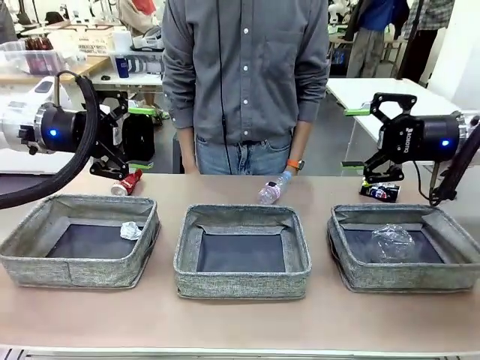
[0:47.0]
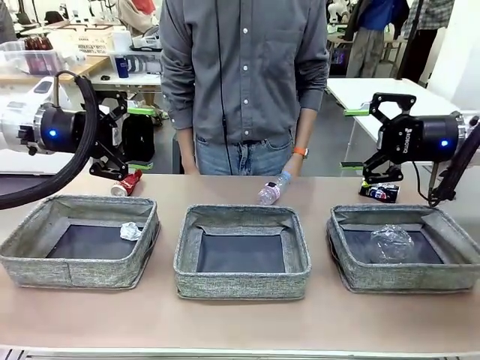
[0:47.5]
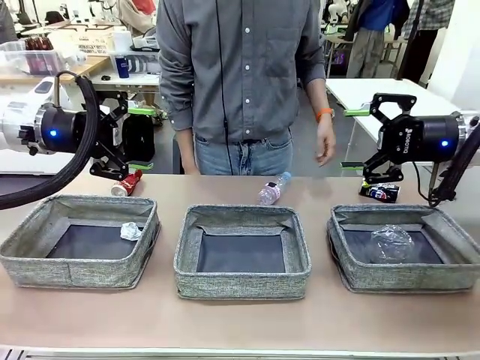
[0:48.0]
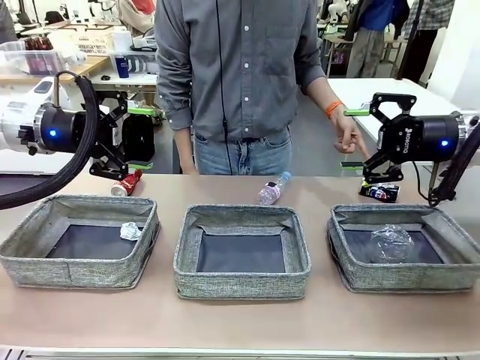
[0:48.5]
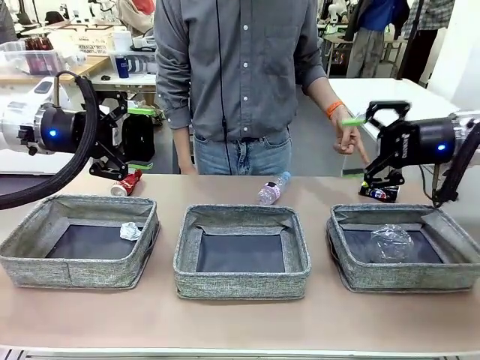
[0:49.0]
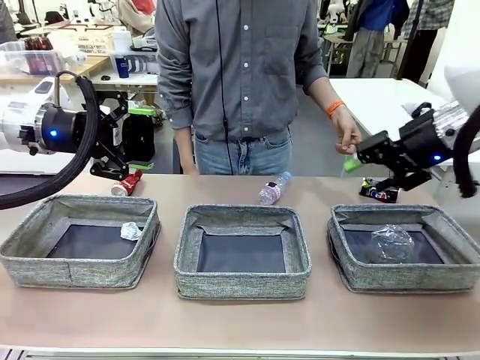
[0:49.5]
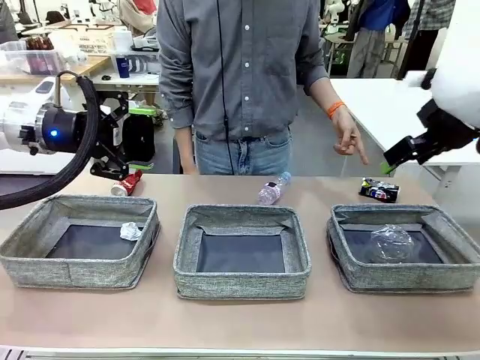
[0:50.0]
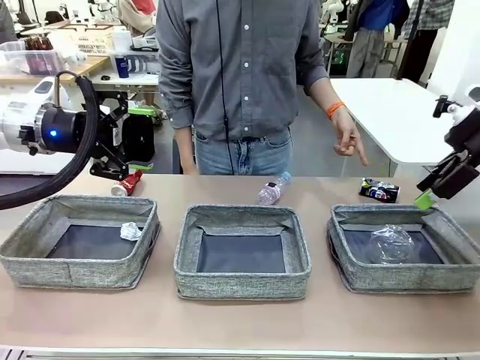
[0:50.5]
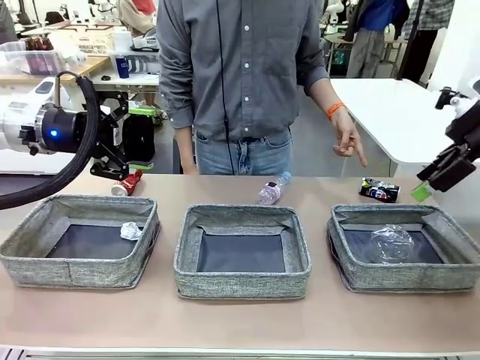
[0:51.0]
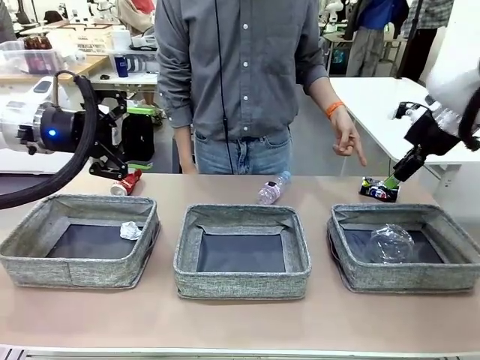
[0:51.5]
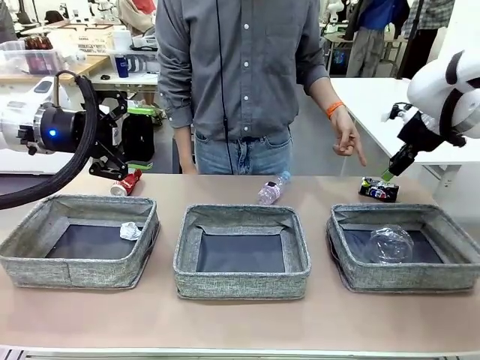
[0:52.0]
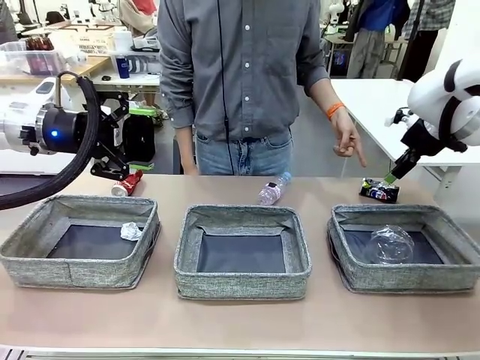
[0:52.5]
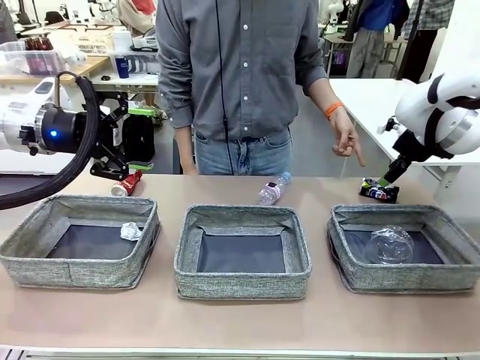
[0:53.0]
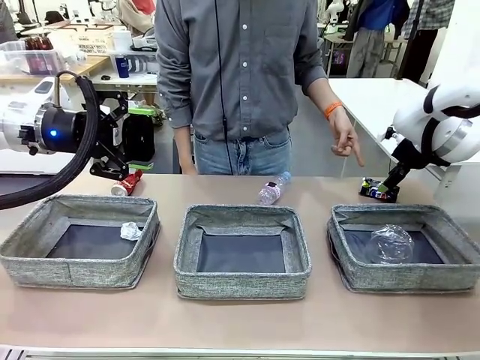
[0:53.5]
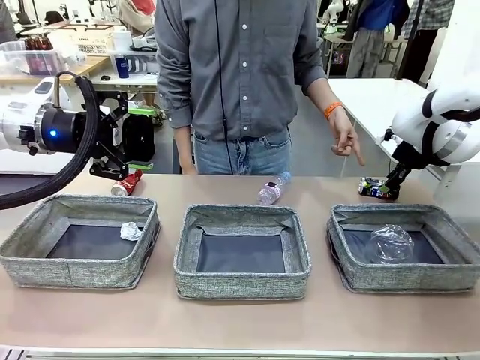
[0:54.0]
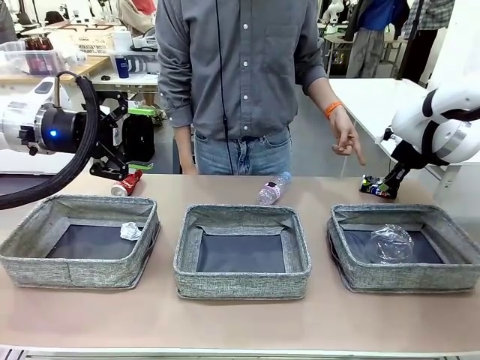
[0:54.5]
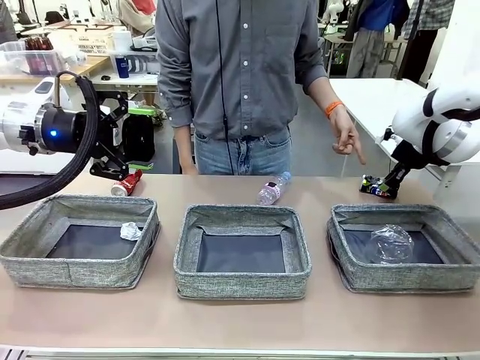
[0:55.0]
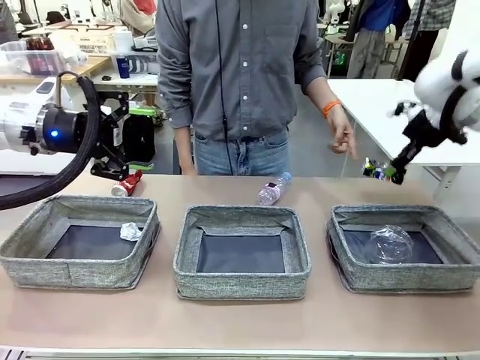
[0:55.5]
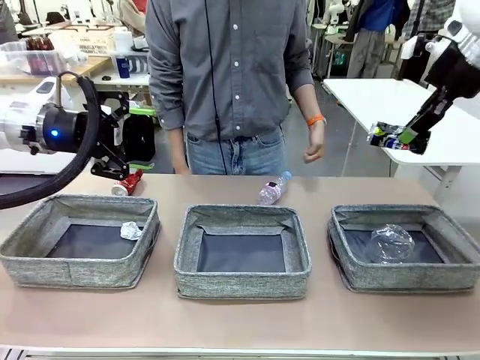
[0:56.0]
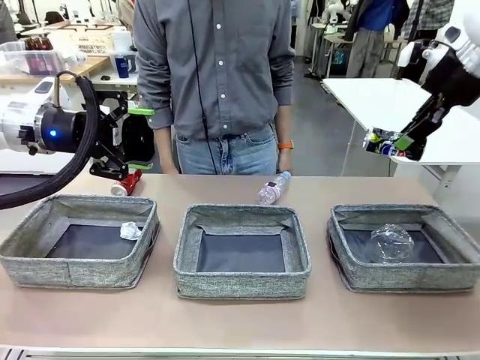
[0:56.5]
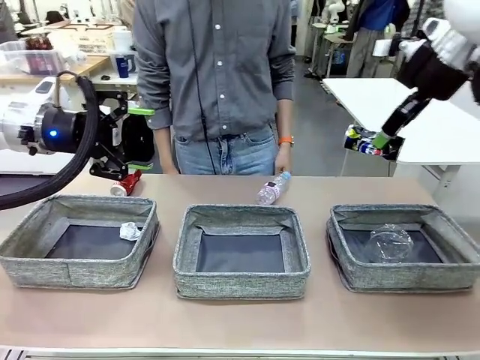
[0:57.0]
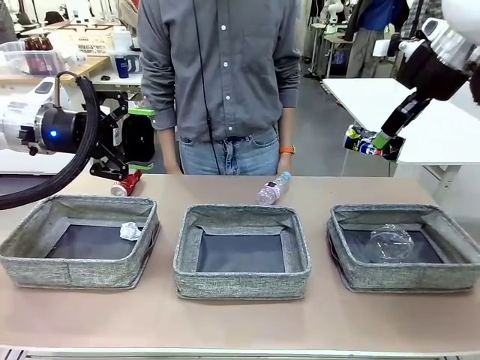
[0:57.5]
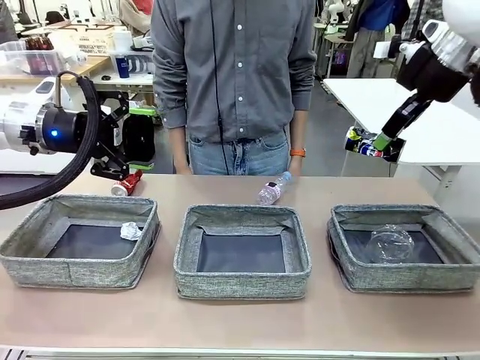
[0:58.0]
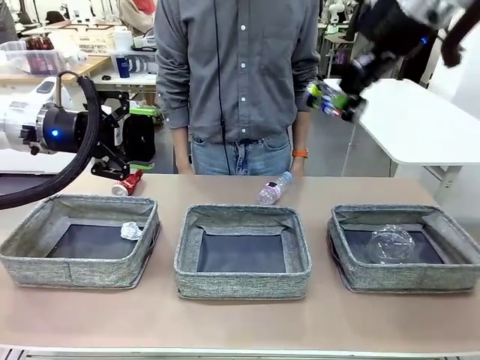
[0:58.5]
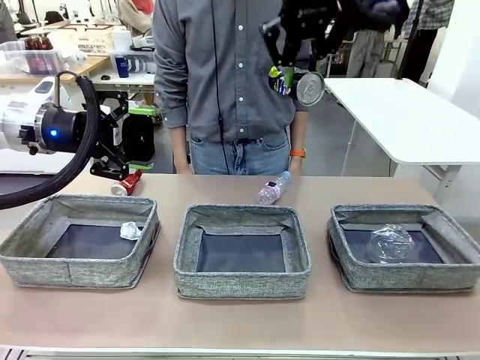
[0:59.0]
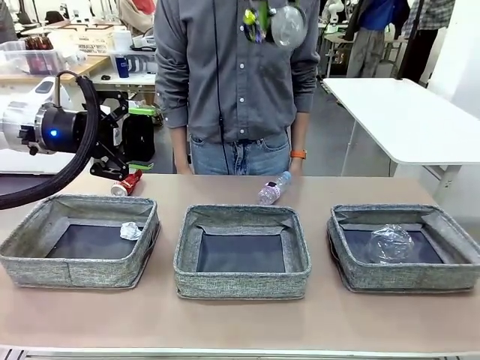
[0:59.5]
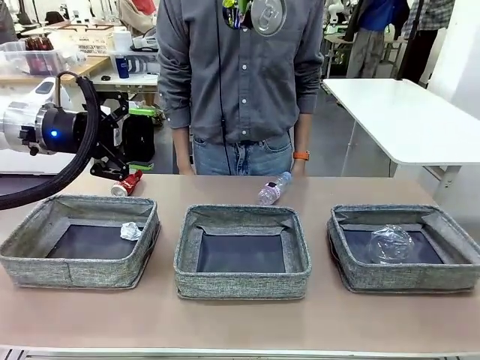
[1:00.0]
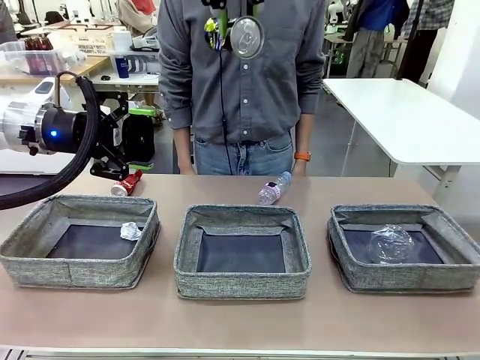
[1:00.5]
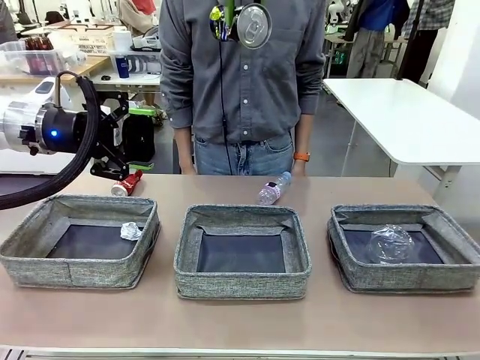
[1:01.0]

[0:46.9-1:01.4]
Task: Sort the waste into the appropriate baskets.
Robot: Pick up the waste item pointed out by the person.
Person: Points to one piece of trash on the table.

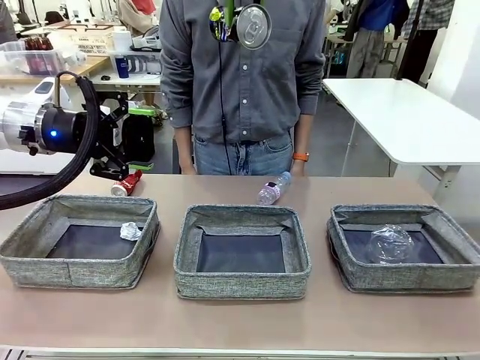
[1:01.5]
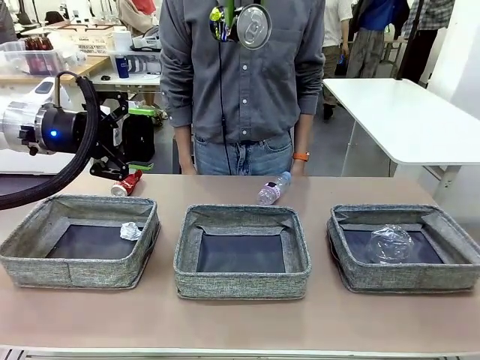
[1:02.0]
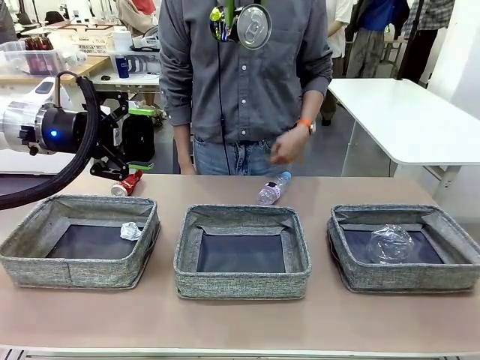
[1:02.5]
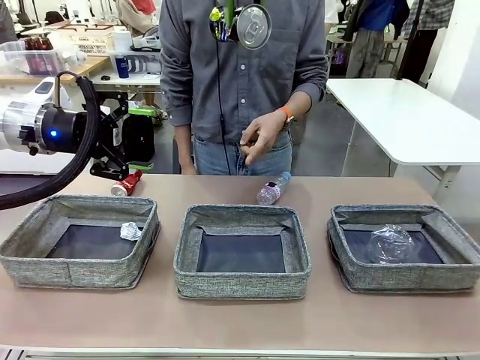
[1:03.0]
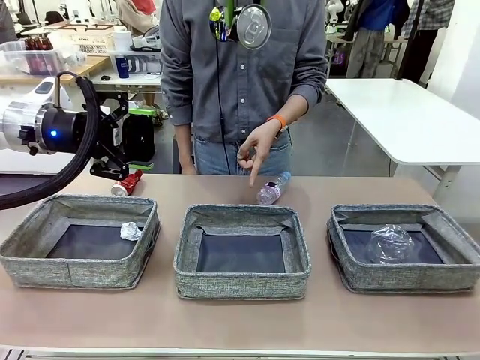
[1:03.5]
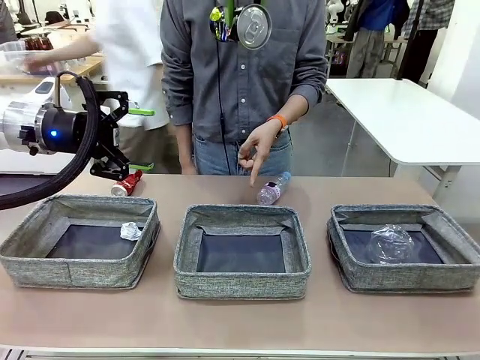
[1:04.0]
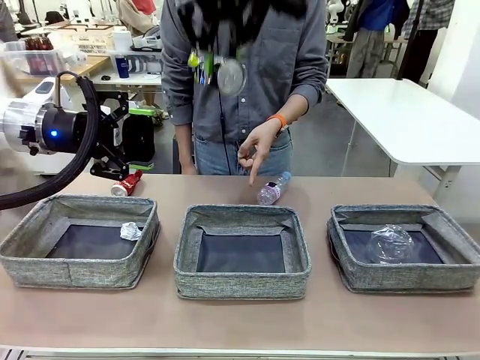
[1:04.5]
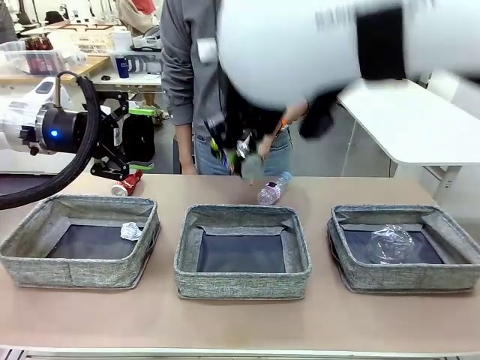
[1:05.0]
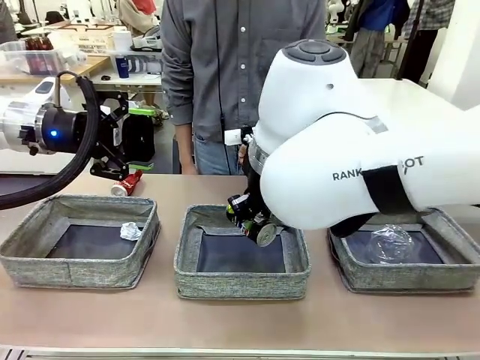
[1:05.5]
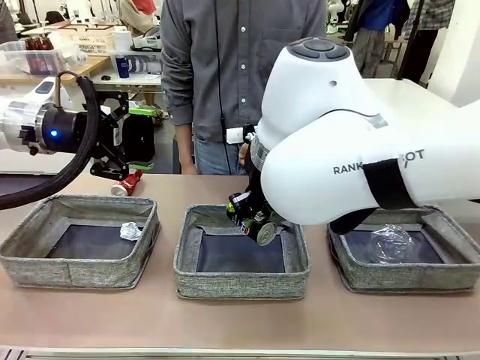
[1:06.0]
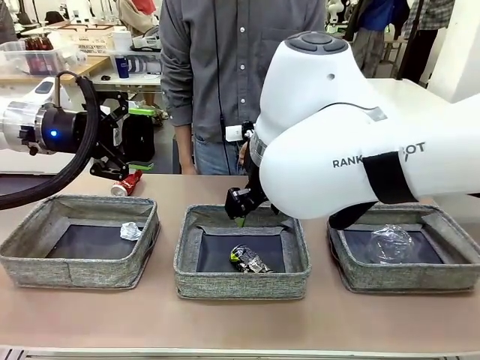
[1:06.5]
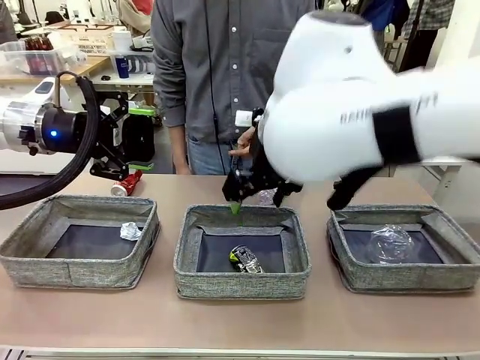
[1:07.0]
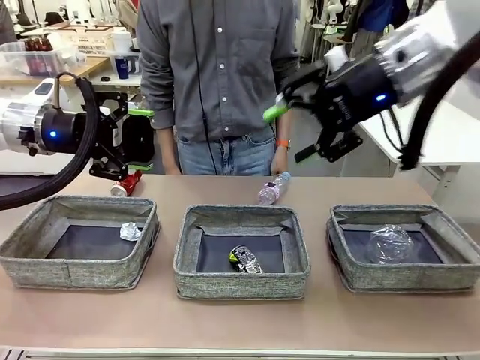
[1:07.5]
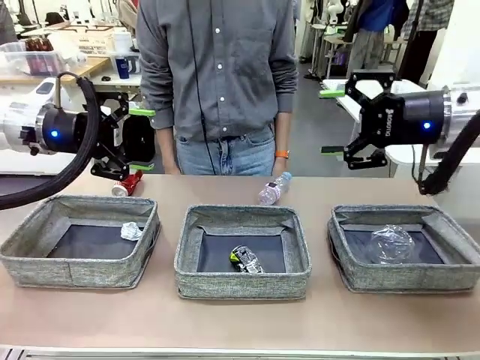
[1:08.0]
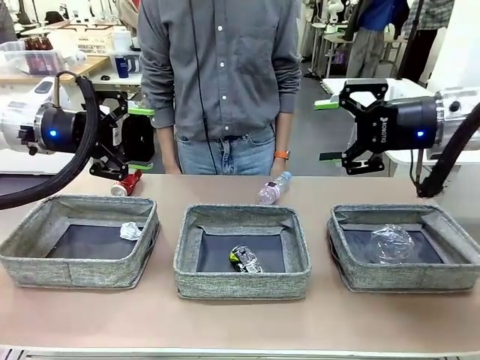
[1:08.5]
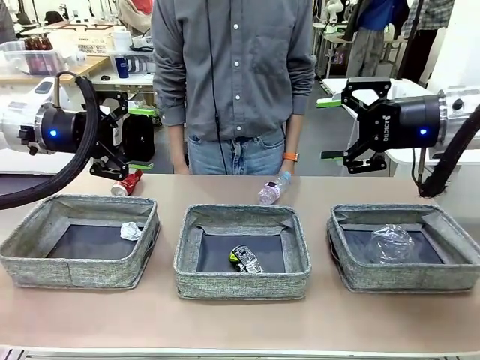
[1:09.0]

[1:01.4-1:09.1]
Robot: Place the picked waste into the Fabric basket indicated by the person.
Person: Instructs the robot to place the picked-up trash into the appropriate organizing basket.

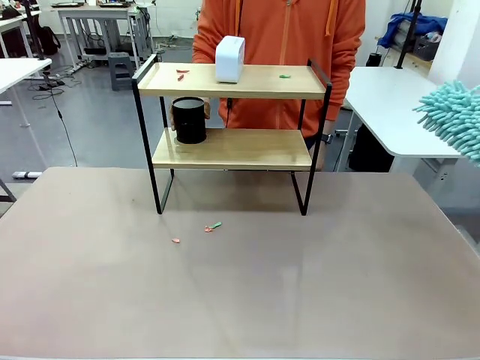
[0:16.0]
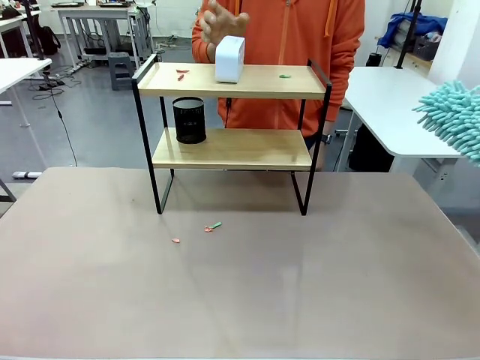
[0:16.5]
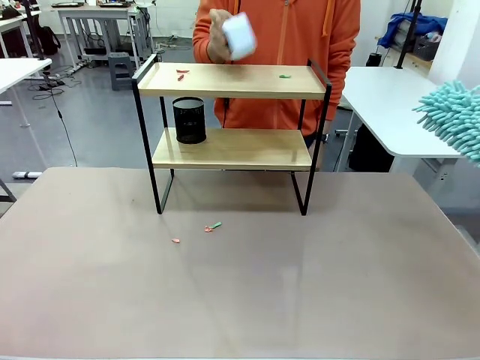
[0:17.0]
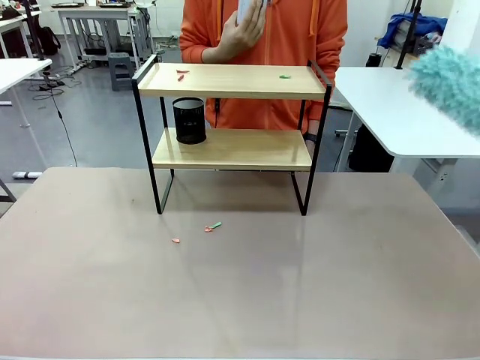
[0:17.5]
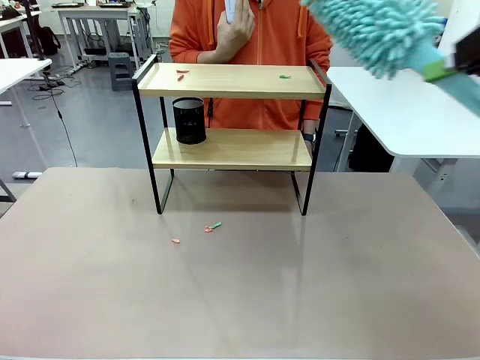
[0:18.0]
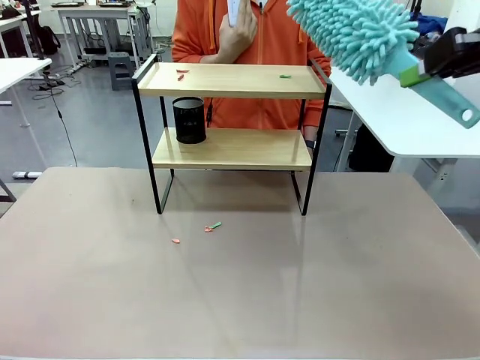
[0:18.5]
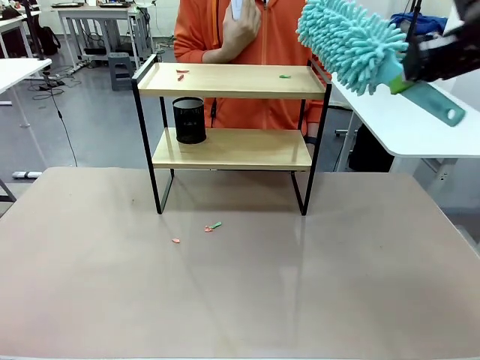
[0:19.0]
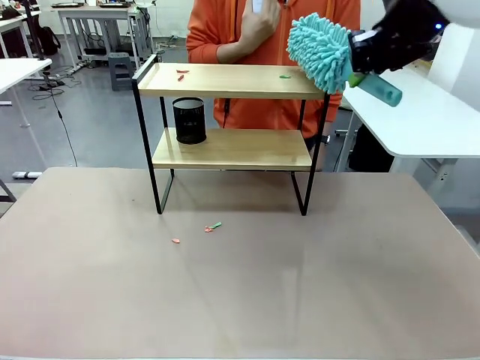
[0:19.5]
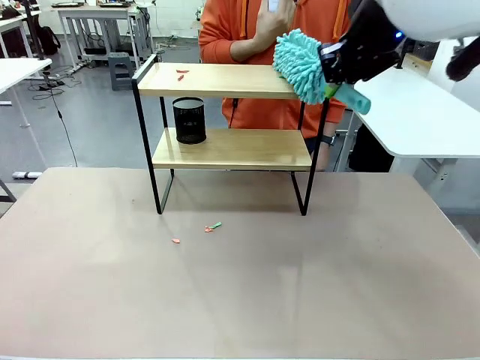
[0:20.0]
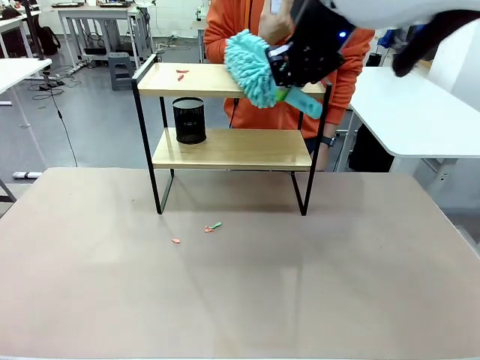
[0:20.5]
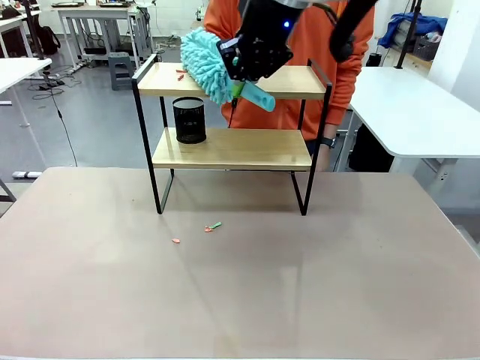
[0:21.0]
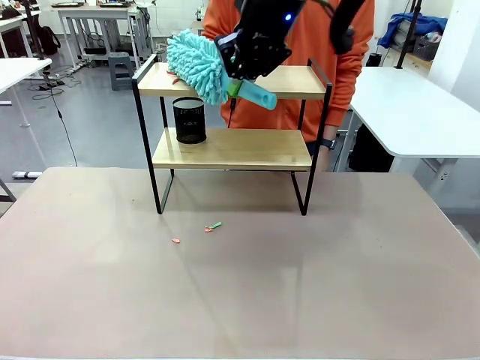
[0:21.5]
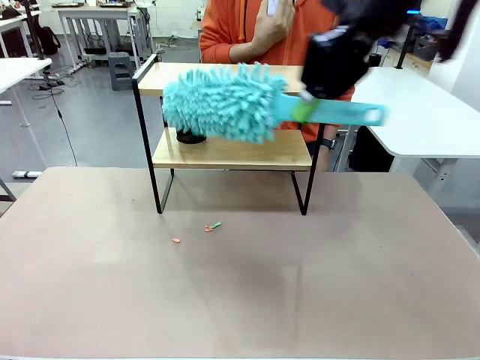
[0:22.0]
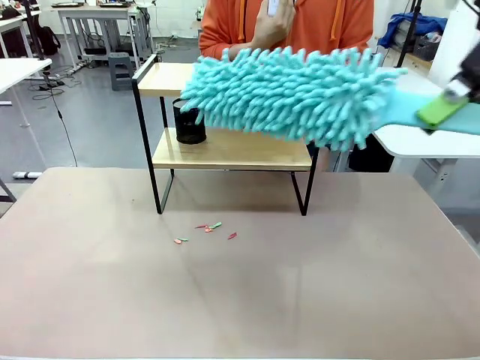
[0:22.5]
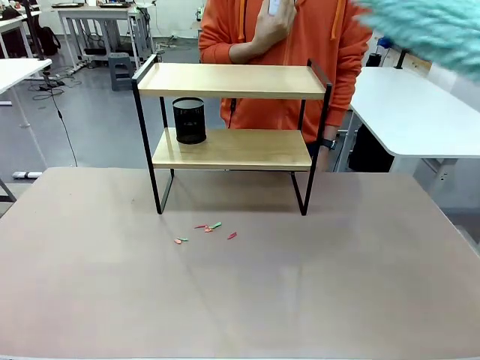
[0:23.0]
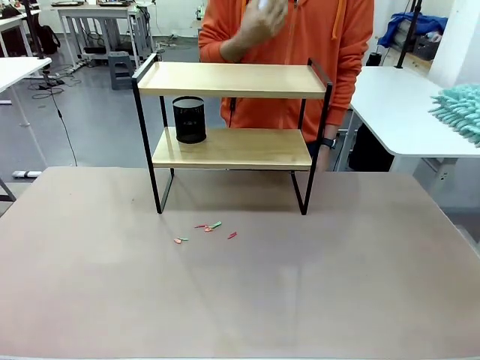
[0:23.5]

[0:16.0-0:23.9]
Task: Clean the shelf.
Robot: Clean the remaining tier of the Shelf with the Duster once objects are removed.
